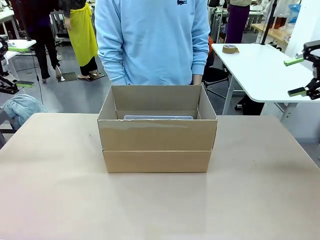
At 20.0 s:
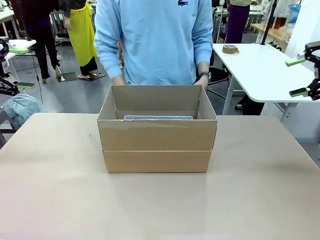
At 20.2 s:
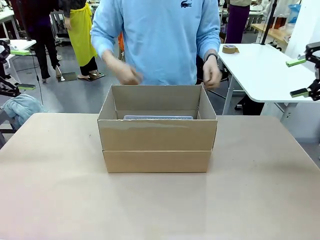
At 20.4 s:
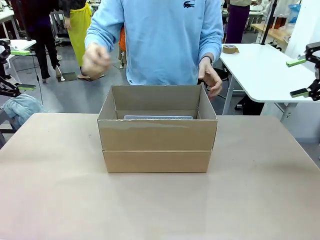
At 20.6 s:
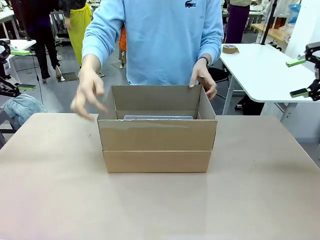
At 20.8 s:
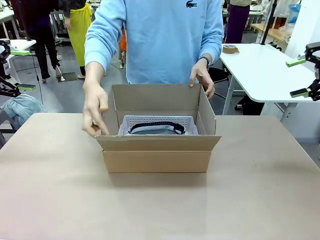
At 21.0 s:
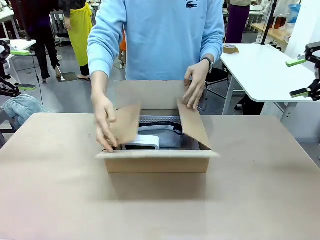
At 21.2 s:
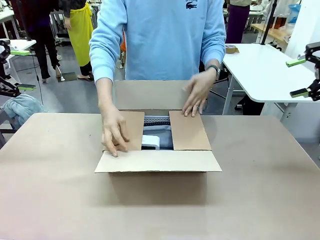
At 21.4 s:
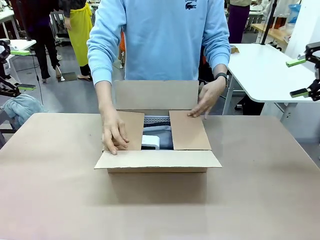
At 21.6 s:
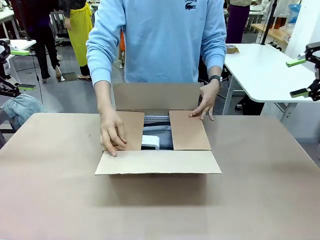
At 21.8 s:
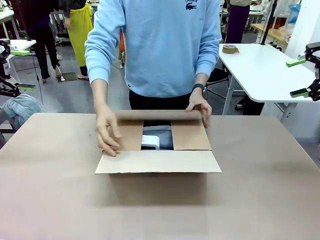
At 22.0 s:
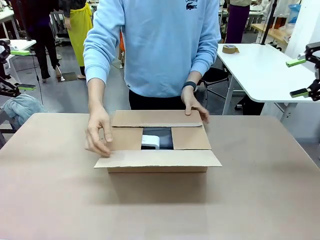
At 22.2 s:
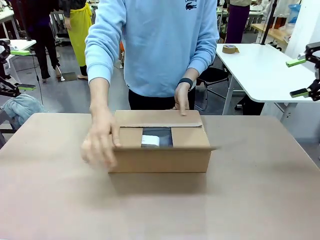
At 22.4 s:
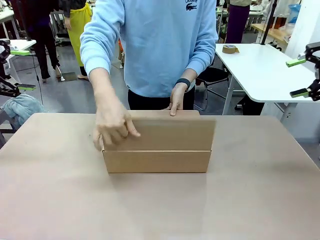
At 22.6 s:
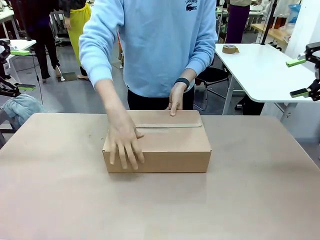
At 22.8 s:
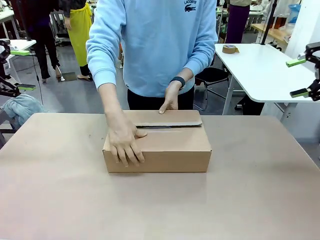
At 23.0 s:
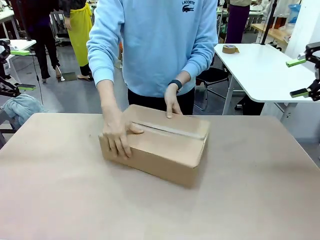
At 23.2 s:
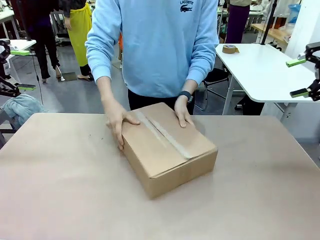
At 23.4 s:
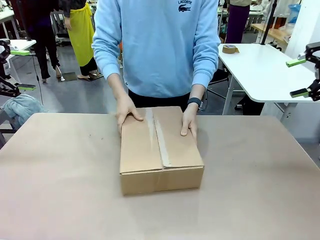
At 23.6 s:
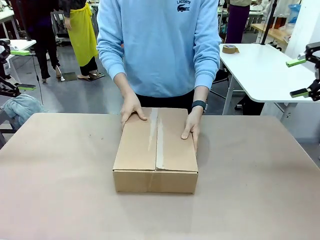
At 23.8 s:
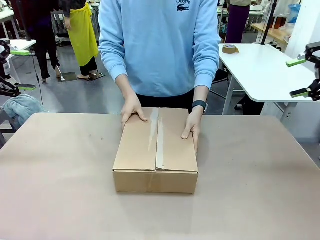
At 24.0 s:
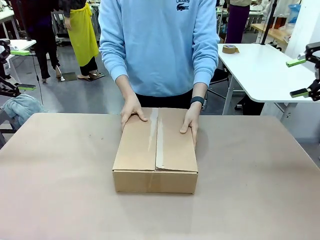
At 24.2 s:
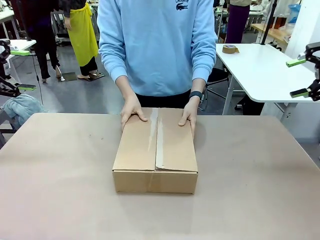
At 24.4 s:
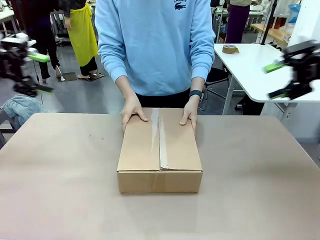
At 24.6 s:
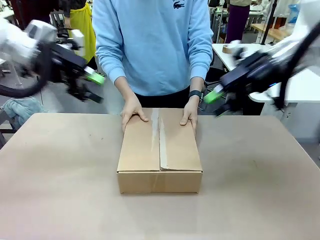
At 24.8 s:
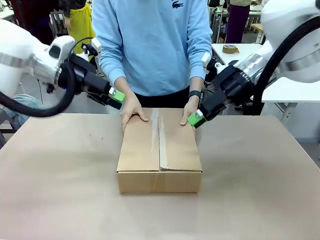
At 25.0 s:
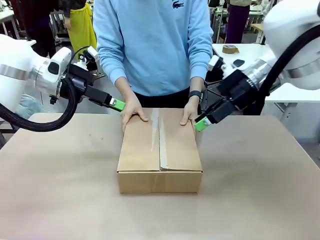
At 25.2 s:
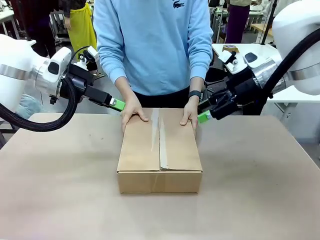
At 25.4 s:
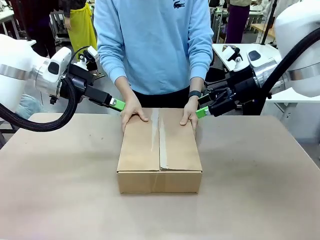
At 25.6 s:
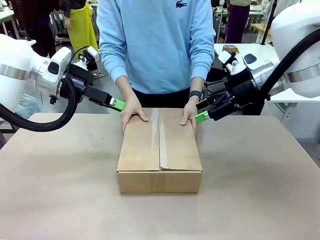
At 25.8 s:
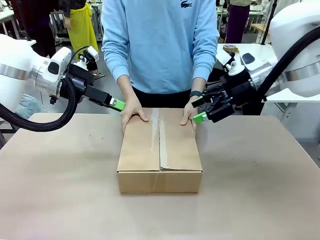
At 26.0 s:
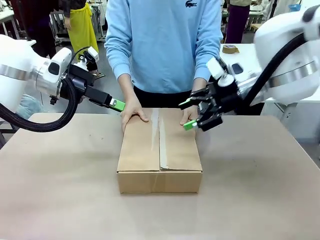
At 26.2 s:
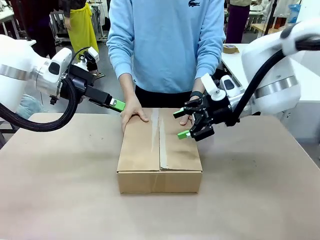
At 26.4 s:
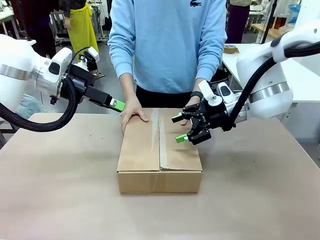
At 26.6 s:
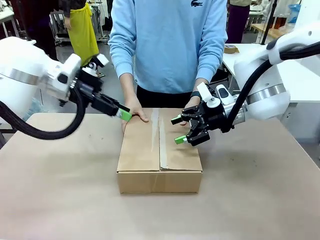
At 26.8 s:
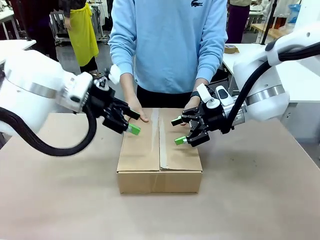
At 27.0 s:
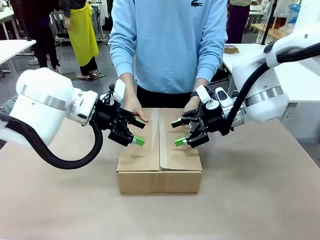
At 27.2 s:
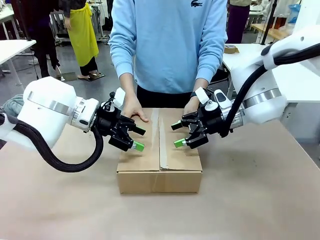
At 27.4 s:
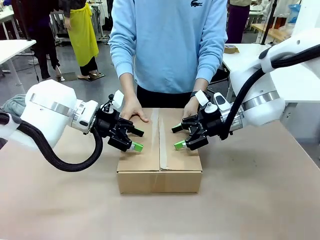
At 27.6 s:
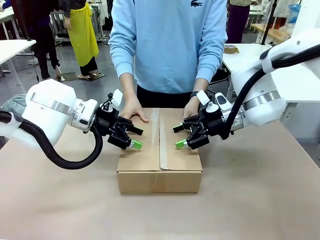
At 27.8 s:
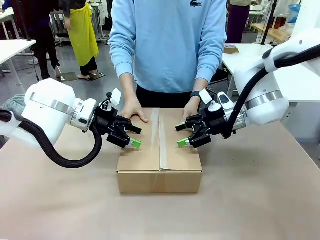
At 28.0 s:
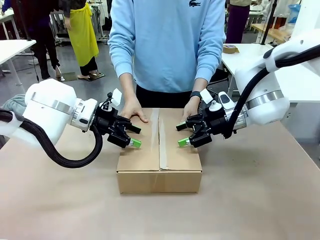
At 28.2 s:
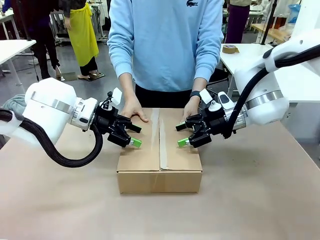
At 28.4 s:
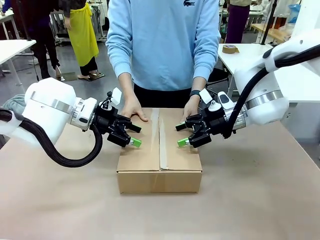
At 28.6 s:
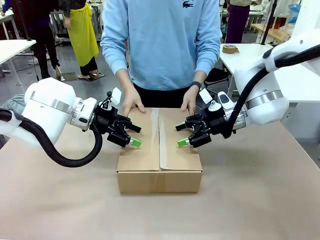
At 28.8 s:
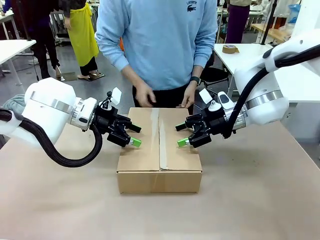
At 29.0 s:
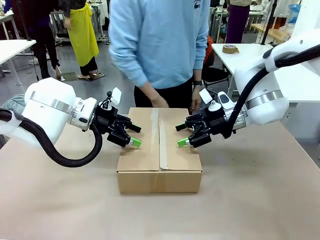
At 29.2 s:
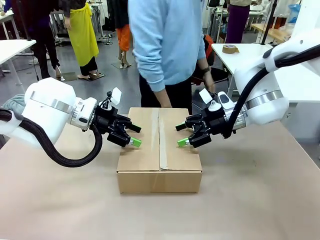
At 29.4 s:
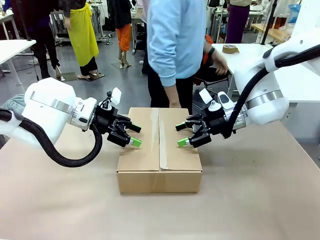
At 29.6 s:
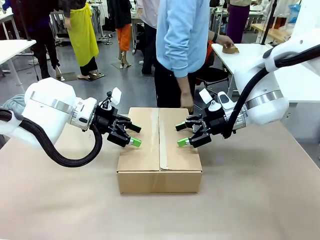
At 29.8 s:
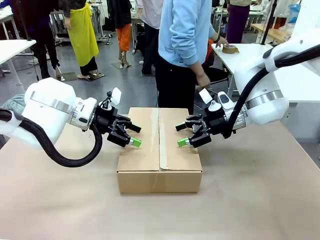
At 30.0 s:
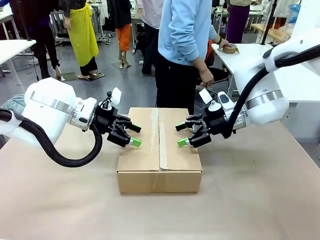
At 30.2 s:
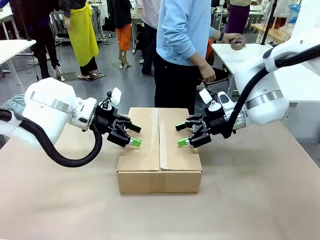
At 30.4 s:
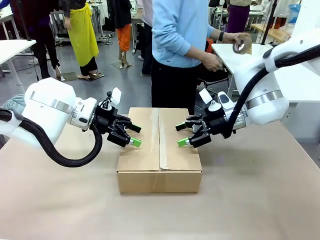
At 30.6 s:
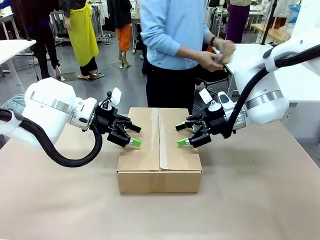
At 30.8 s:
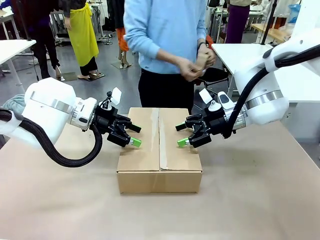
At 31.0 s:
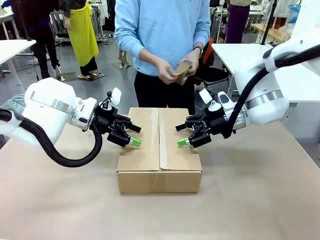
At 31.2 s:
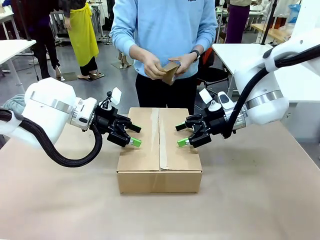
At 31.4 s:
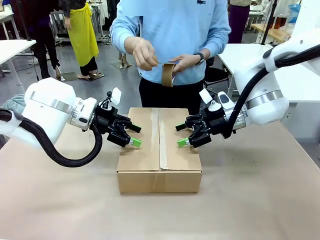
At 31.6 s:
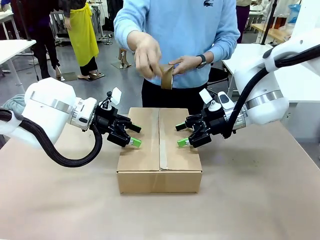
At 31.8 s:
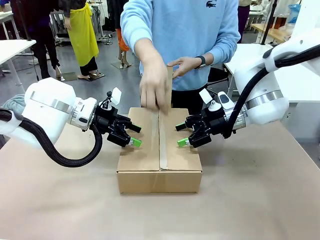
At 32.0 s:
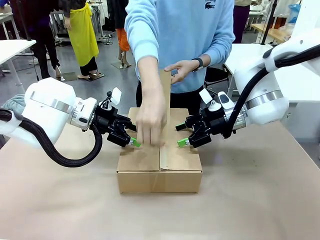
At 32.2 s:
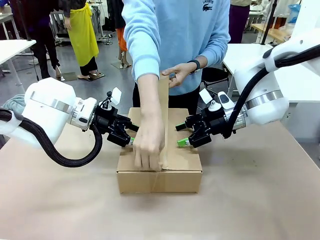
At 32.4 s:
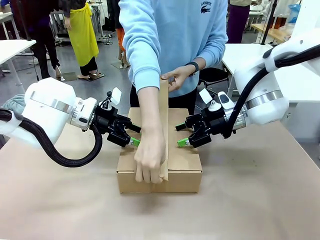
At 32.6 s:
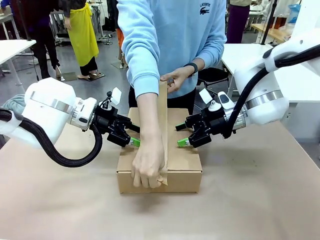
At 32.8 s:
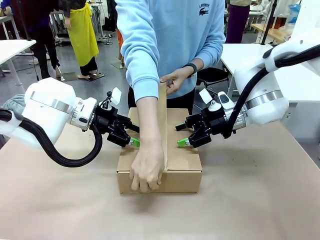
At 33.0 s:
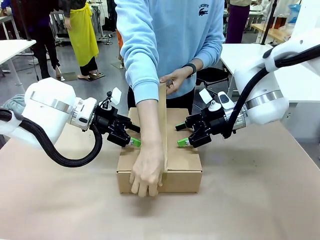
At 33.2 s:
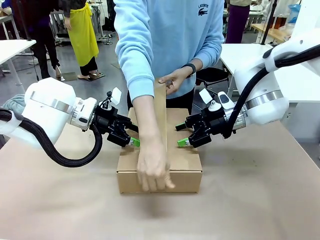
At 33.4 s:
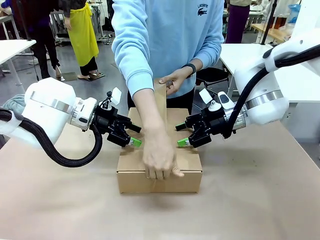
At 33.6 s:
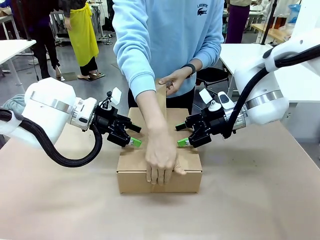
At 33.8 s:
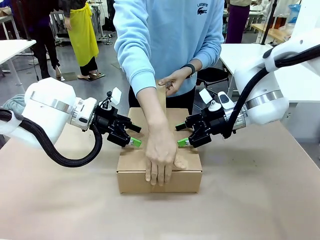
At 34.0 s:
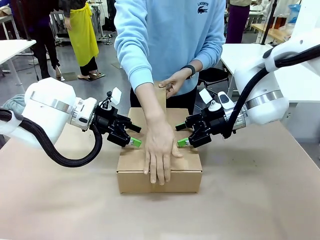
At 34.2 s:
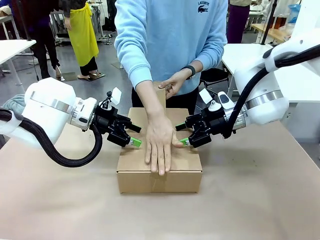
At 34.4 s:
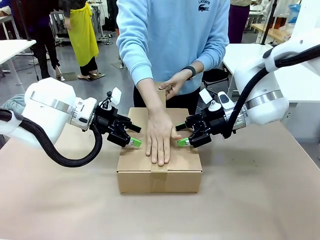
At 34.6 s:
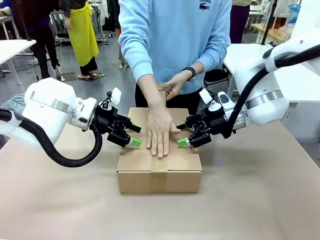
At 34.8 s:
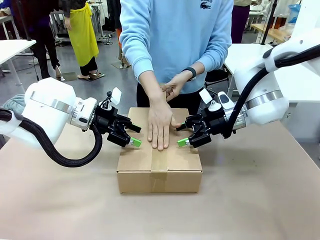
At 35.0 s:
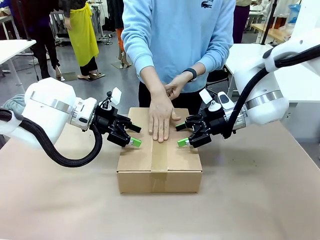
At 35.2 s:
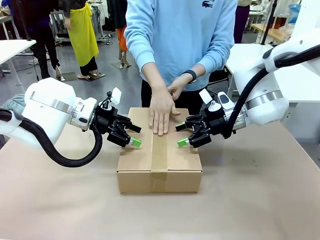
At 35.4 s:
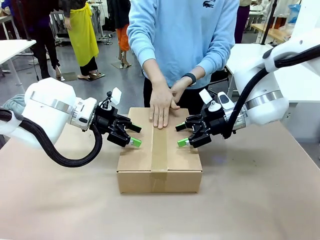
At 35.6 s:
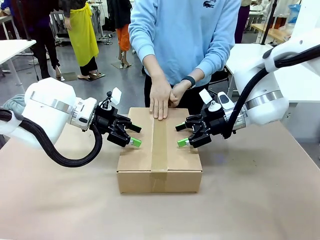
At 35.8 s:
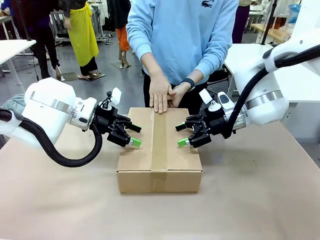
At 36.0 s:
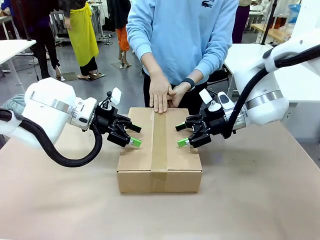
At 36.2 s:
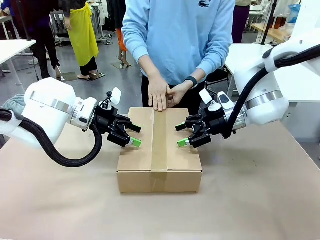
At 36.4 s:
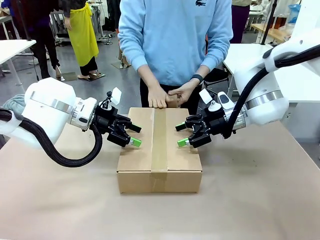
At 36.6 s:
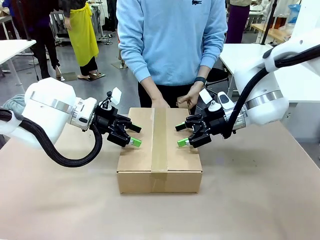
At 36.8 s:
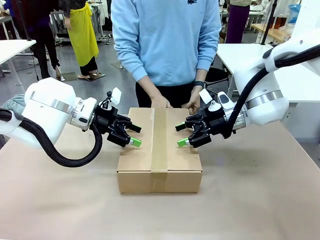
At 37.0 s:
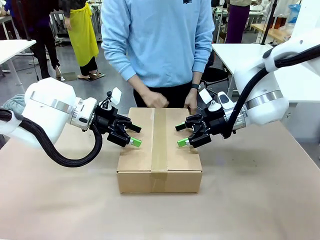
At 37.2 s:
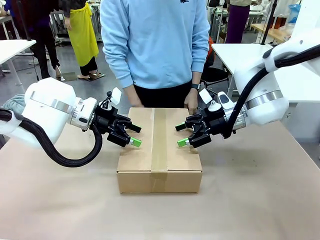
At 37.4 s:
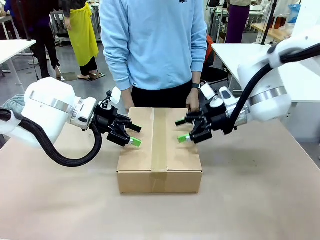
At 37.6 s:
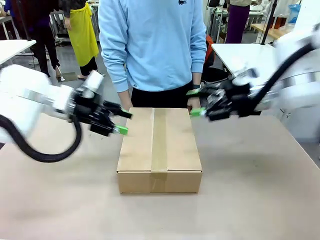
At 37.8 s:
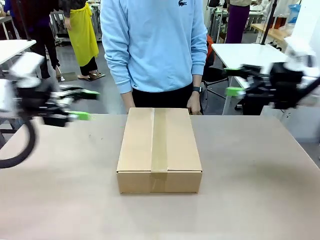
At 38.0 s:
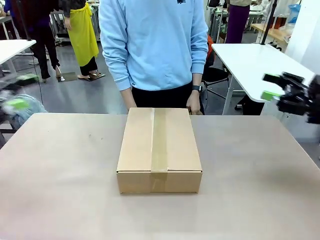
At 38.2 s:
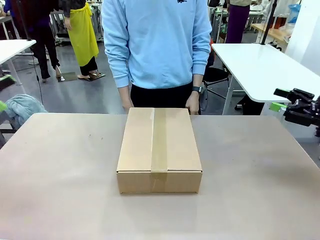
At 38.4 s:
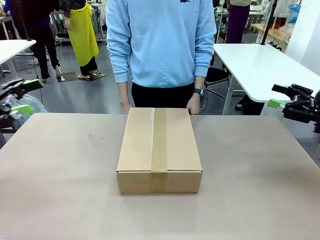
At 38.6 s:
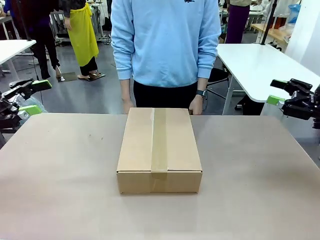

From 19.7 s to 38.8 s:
Task: Pack the gift set into the box.
Robot: Press and hold the closed box until the human finishes sealing it.
Person: The human closes the box and rotates the box by 90 degrees. The human picks up the paper tape from the human table and packs the box.
